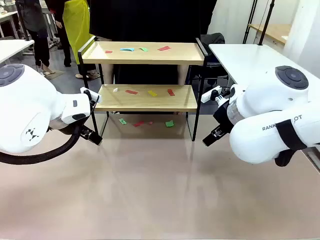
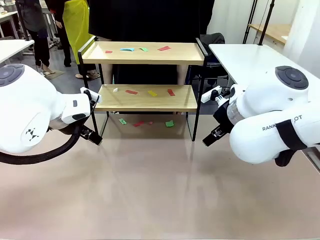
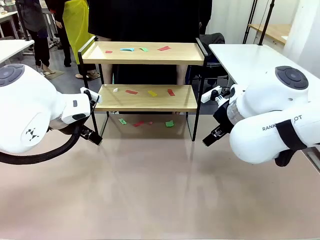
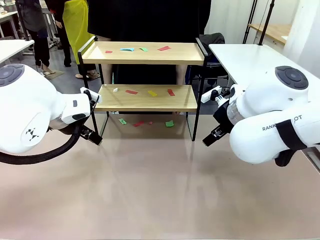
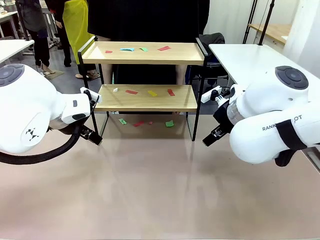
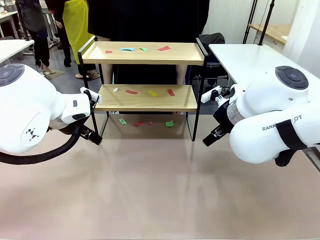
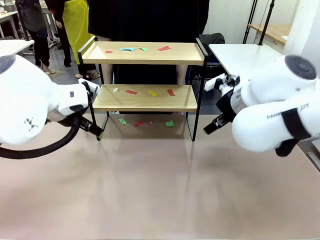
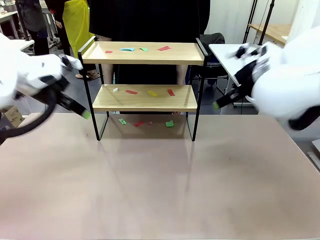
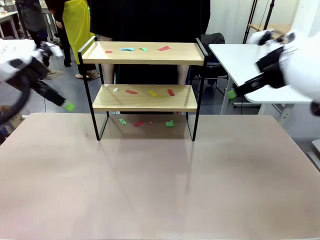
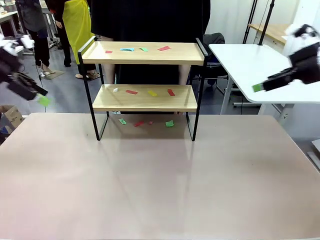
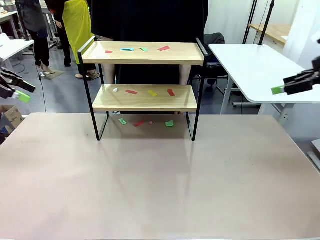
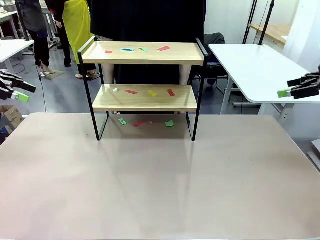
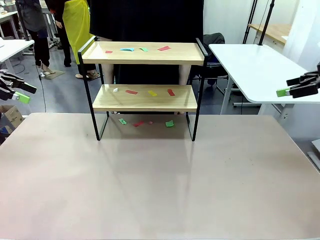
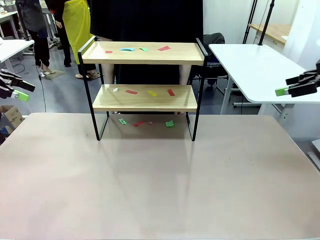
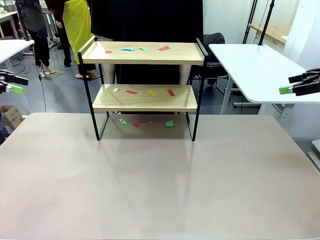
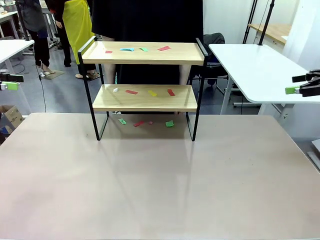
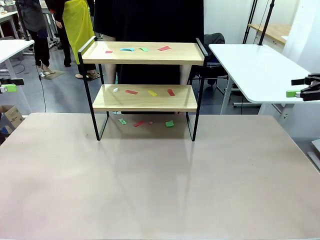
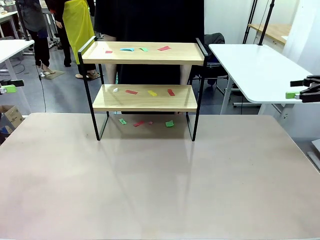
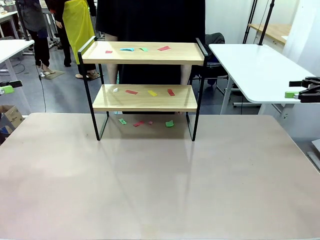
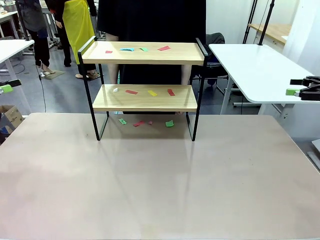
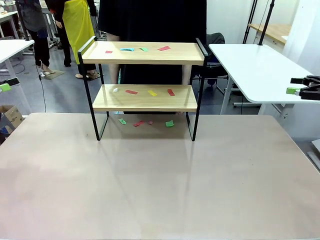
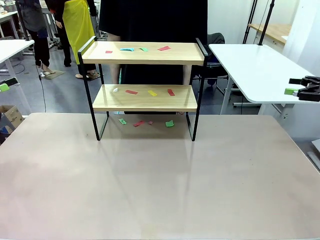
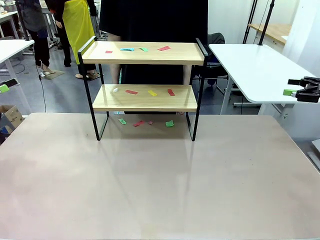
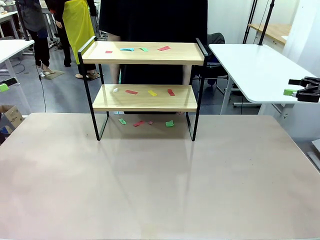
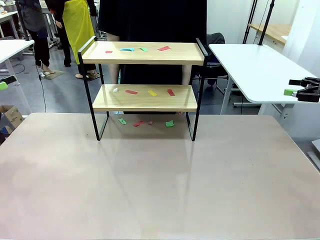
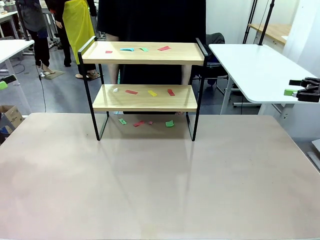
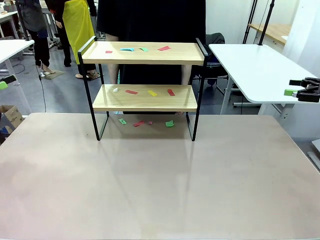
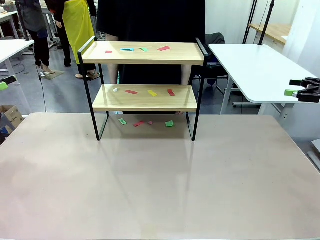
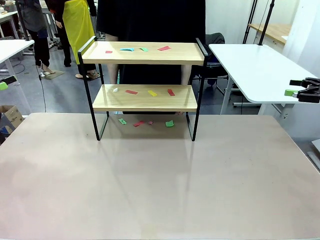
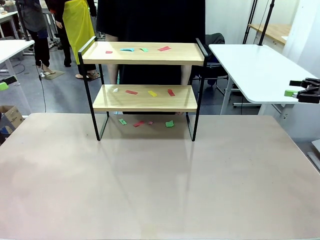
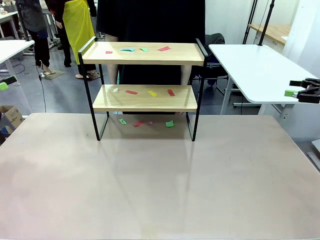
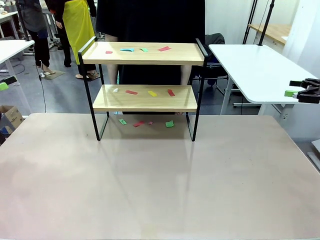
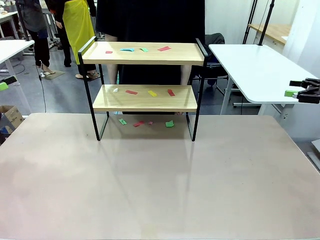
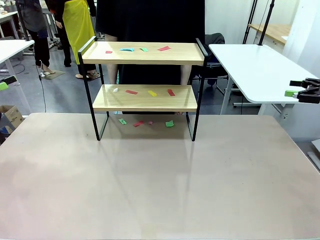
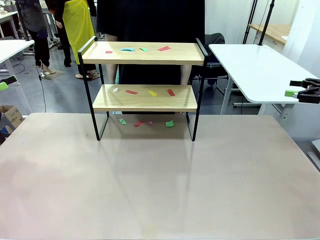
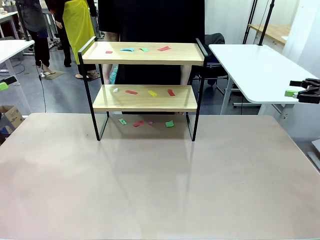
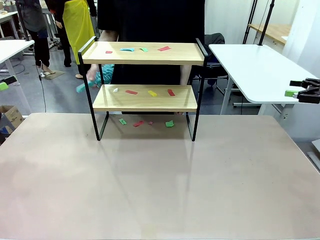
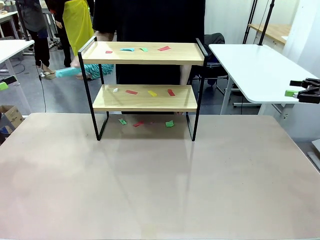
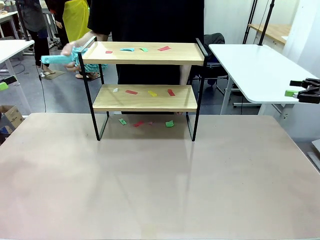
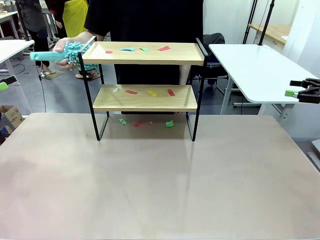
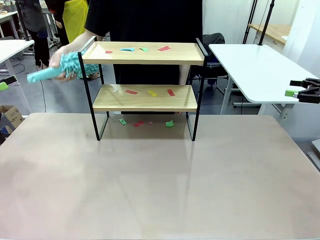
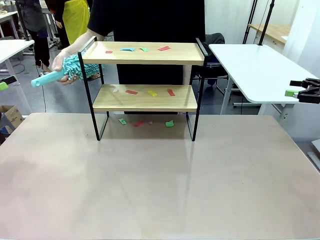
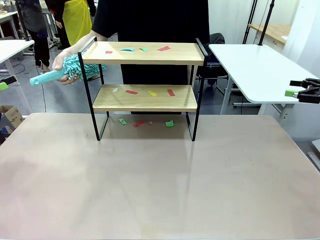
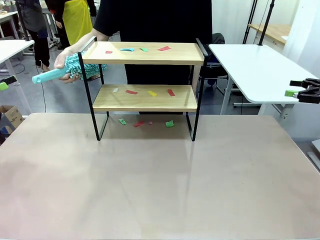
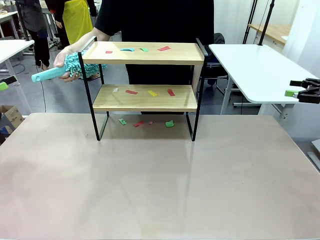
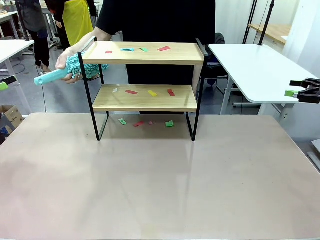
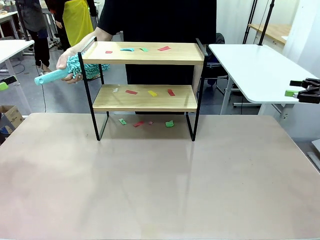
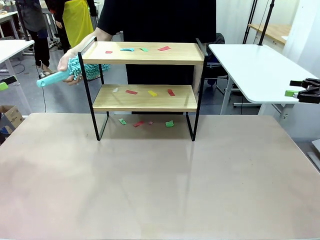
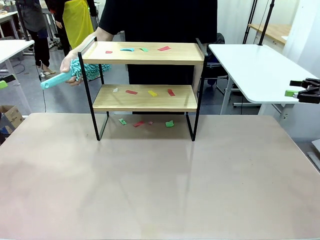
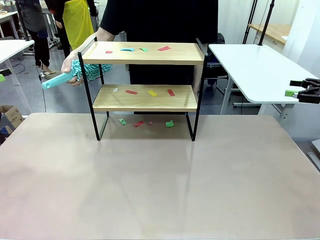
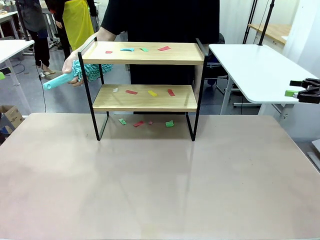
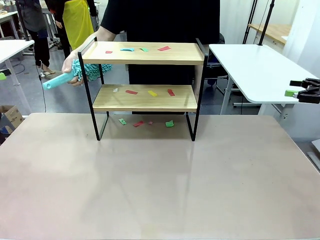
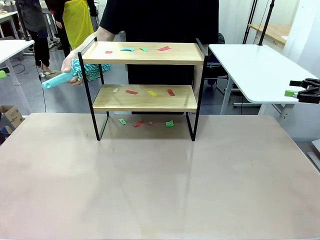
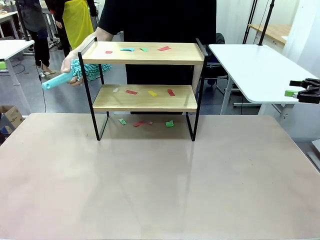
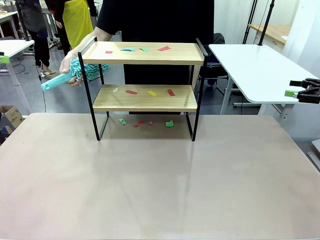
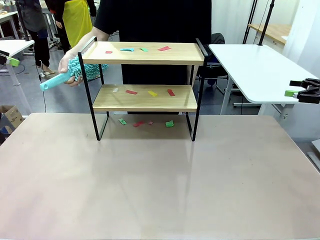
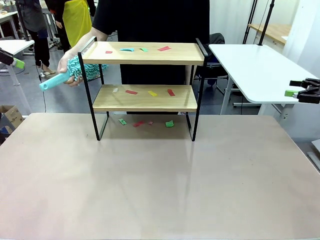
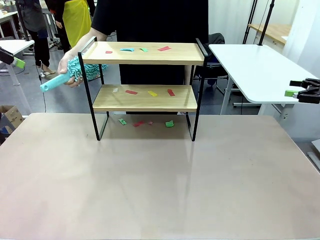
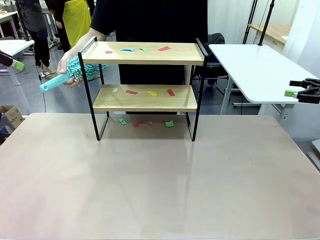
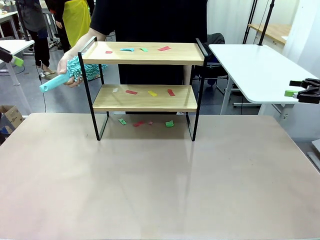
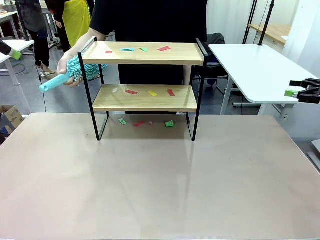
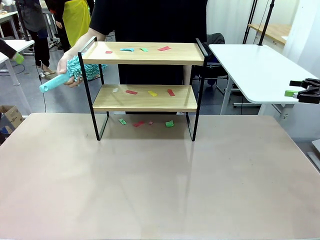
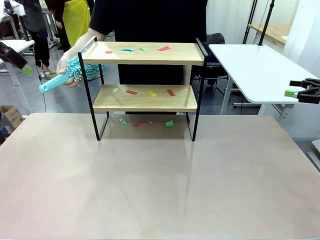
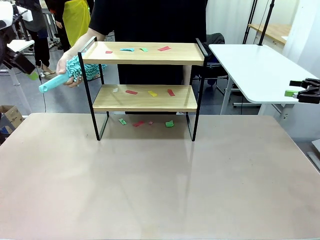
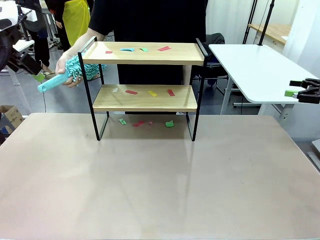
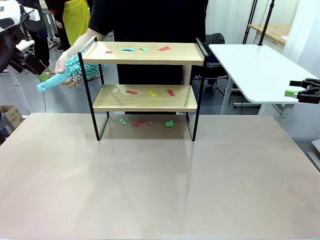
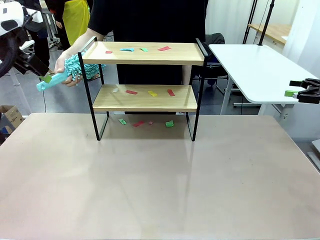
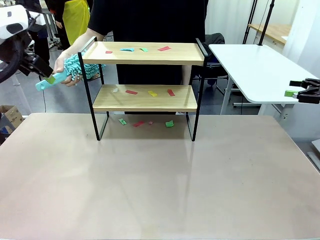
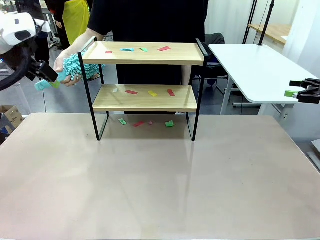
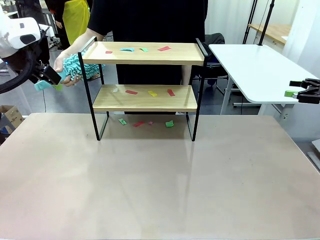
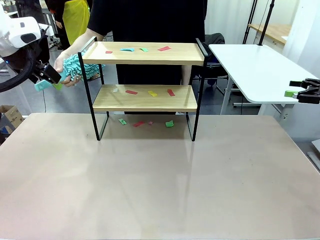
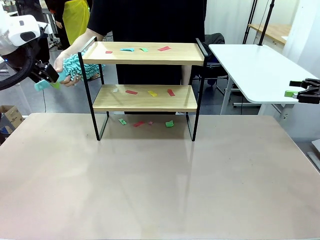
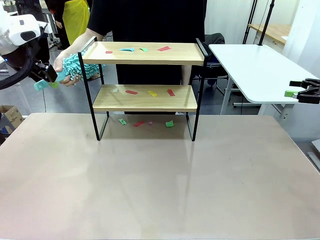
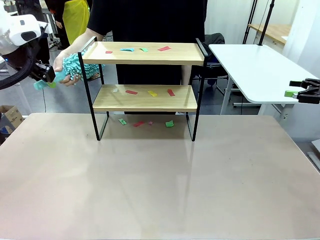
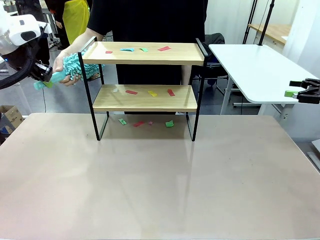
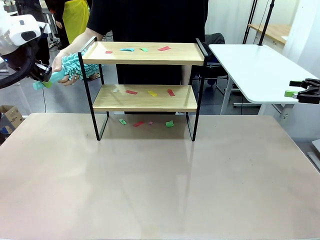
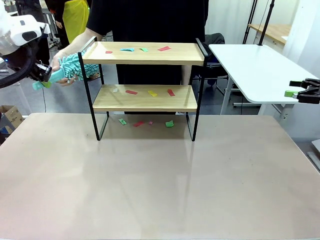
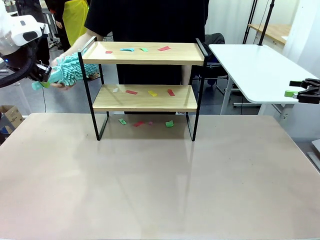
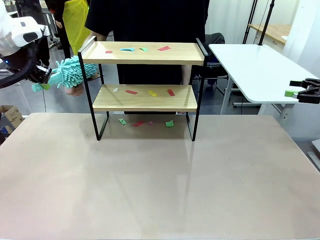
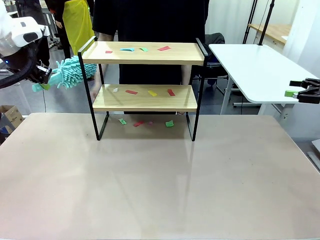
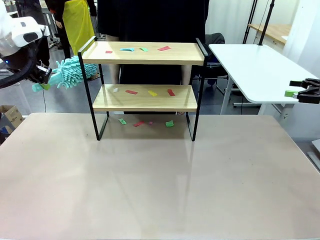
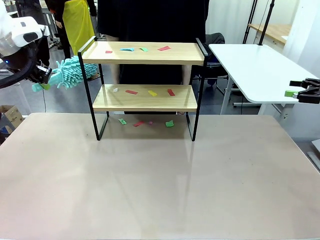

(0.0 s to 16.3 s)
Task: Clean the shelf.
Robot: Pick up the Duster handed by the human.
Person: Hand the Duster to the robot.
